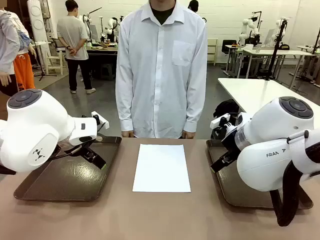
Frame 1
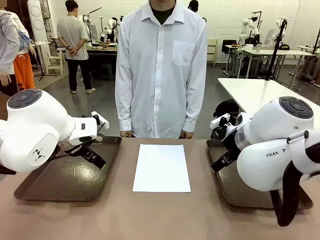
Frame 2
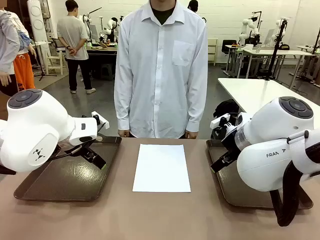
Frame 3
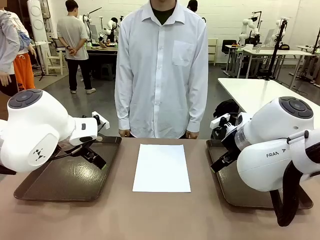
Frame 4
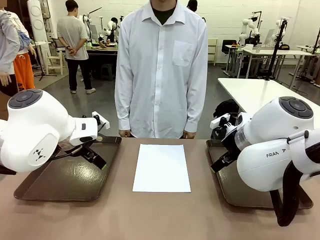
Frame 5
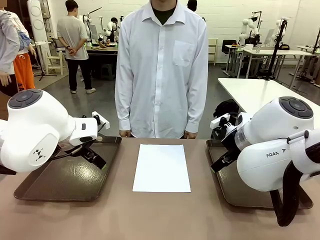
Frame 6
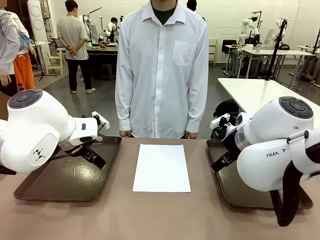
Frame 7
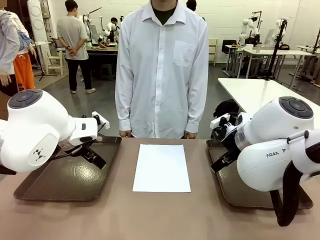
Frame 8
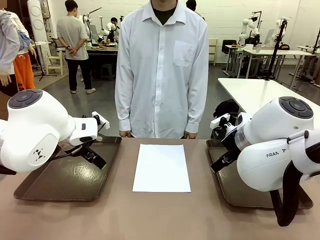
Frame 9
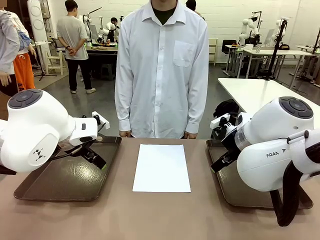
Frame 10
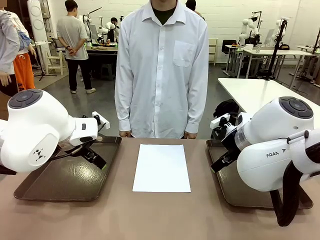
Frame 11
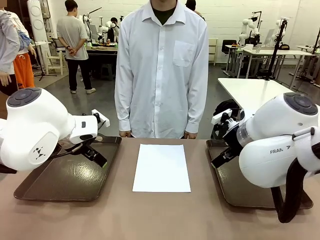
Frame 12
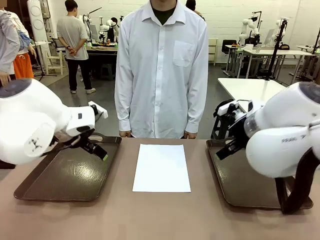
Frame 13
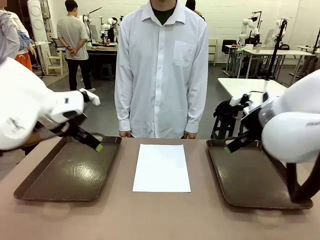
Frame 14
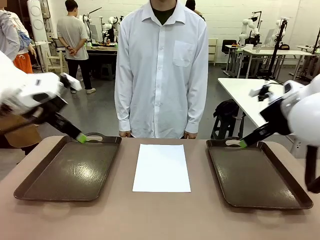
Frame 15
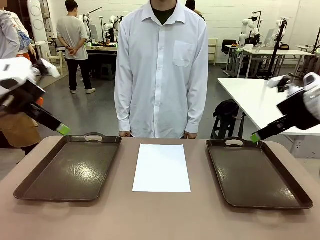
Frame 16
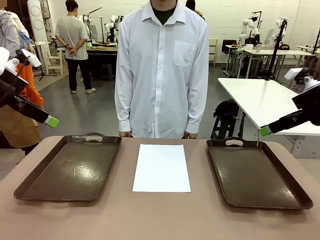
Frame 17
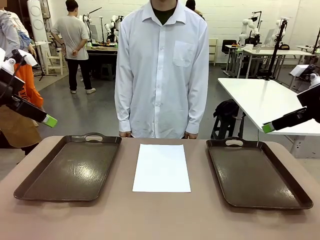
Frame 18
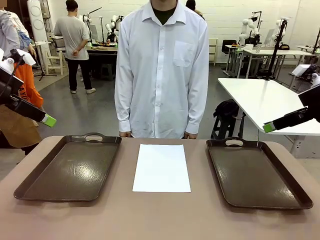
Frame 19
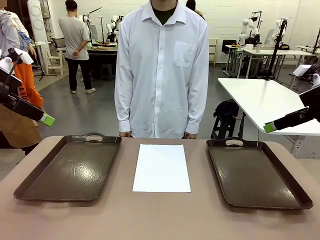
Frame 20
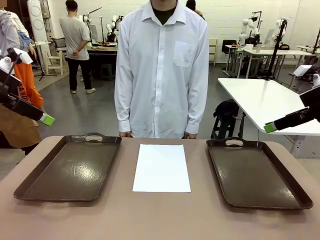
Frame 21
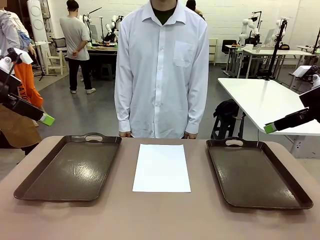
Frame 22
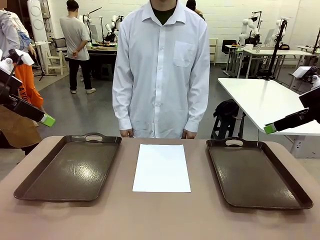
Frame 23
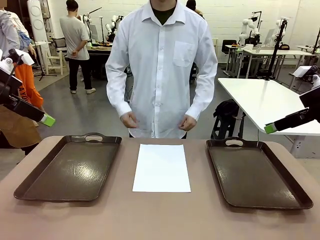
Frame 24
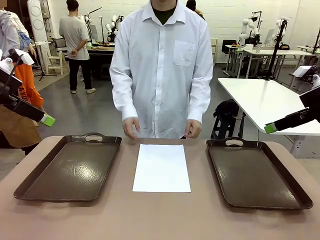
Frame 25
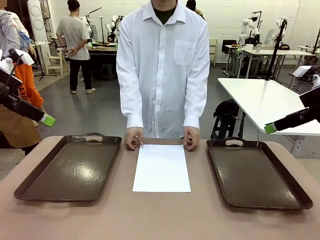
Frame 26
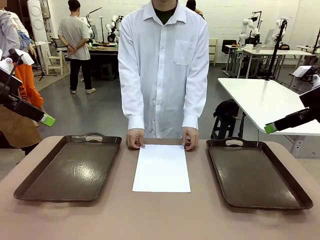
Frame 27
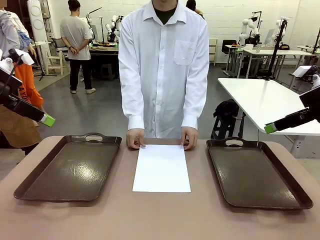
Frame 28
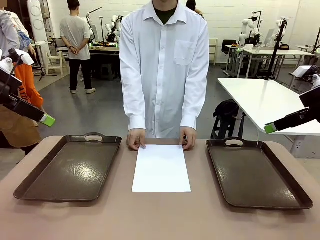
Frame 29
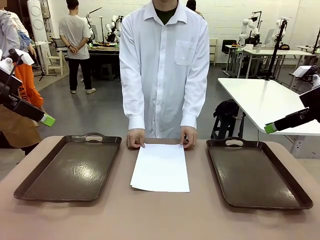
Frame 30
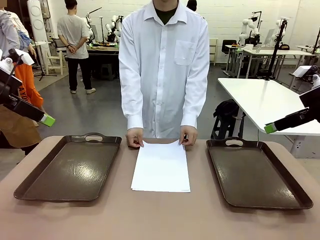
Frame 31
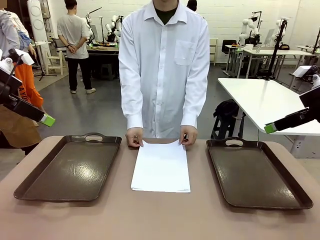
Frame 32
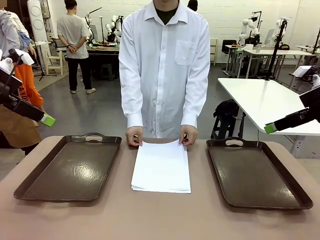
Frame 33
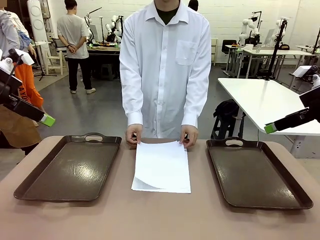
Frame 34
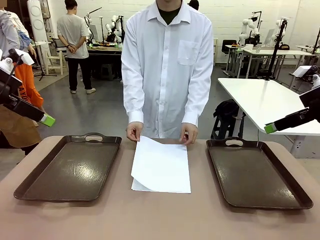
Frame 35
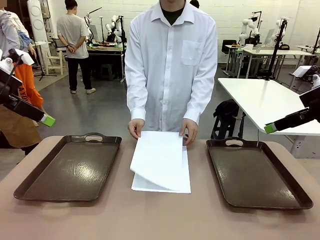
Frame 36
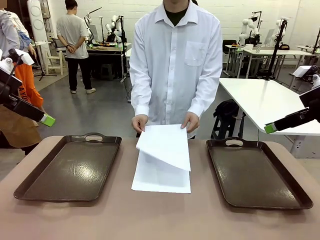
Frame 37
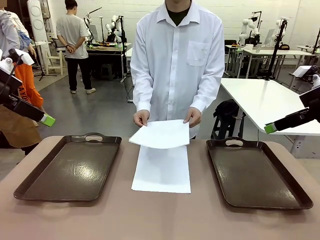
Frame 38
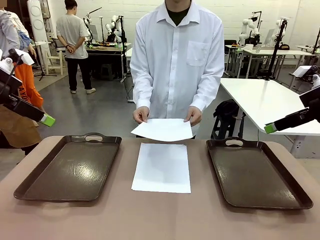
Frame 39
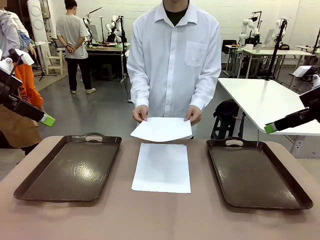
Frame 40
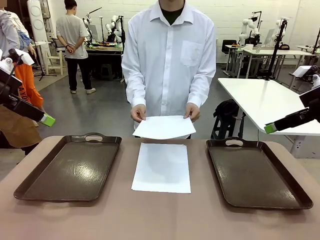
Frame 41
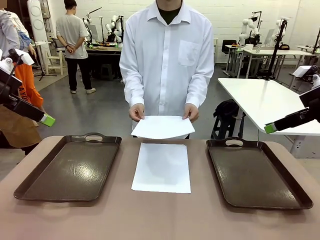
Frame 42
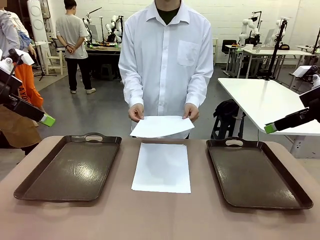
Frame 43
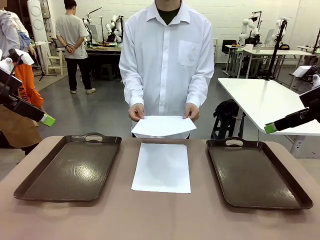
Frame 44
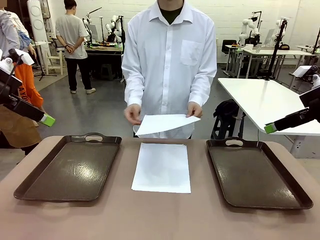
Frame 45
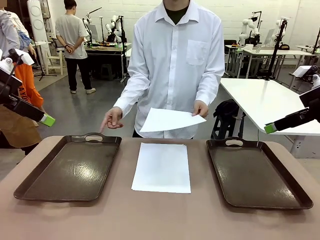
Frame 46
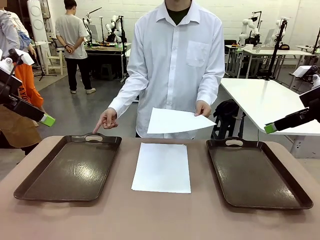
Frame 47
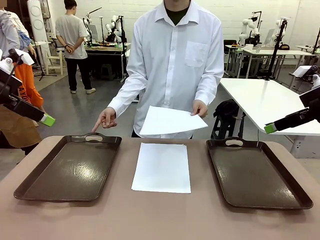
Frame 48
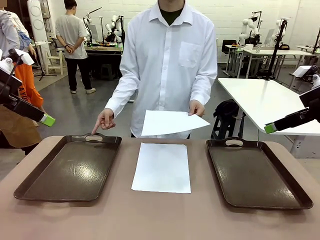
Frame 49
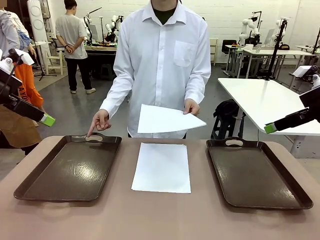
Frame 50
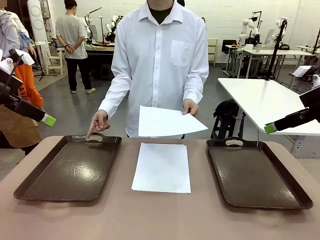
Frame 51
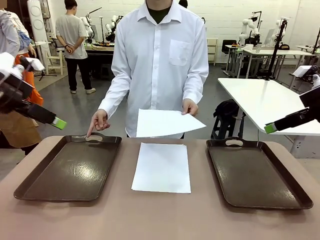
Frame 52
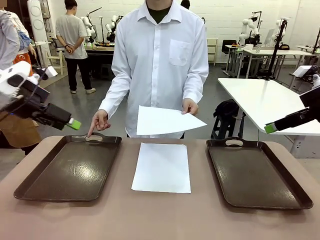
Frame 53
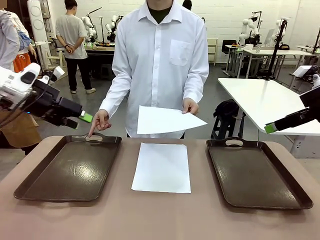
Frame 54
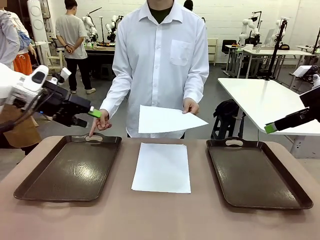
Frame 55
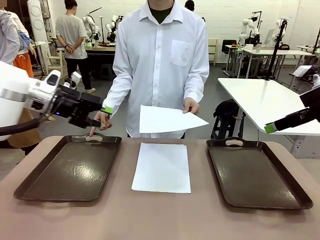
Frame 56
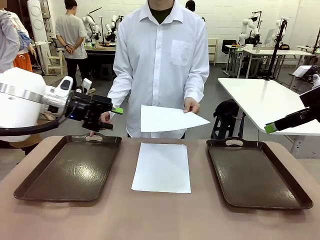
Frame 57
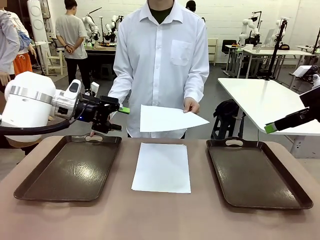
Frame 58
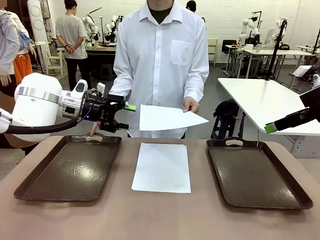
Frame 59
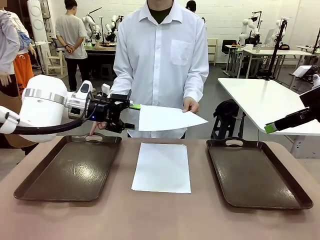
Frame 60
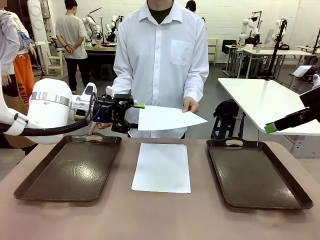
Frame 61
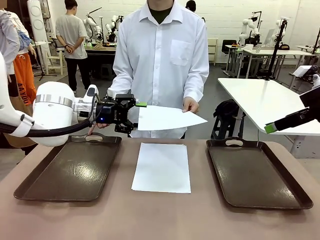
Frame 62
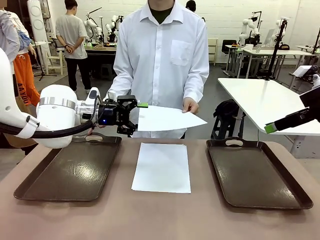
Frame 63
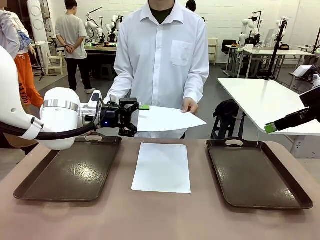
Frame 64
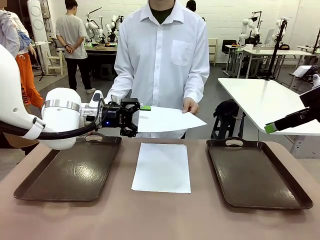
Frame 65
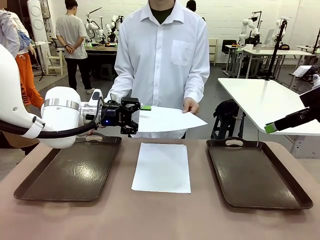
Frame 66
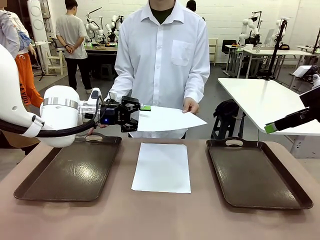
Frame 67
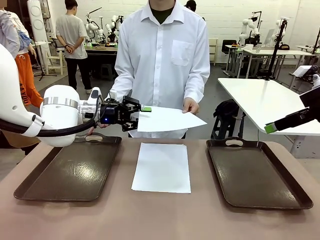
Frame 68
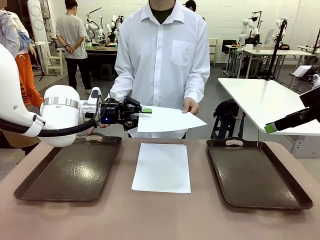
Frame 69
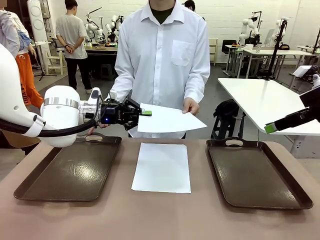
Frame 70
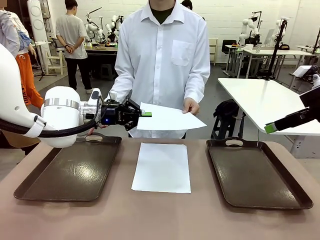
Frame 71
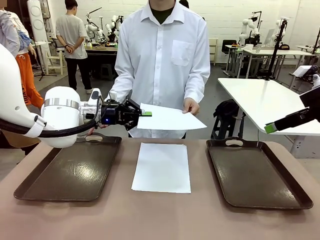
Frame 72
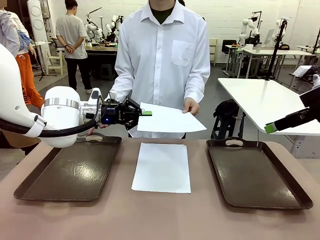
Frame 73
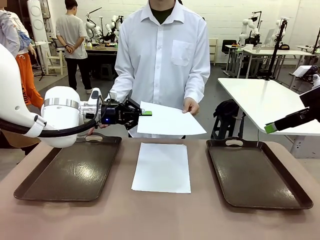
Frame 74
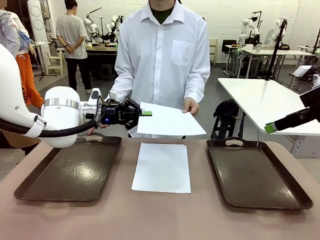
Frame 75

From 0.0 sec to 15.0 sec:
Task: Sort the A4 documents.
Robot: Receive the A4 Paper.
Person: Pick up a sheet of paper from the center of the table and hand it to the robot. Point the randomly selected tray with the other hand.

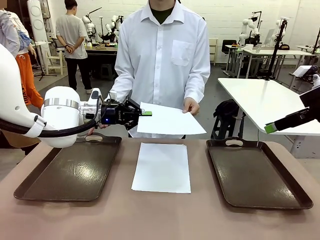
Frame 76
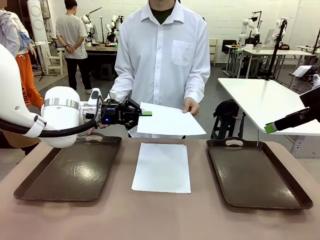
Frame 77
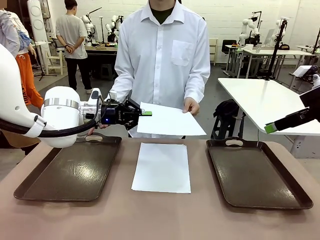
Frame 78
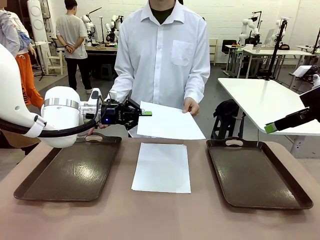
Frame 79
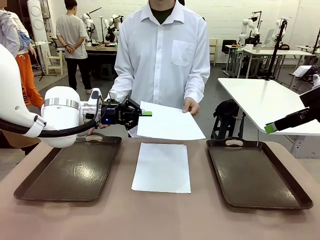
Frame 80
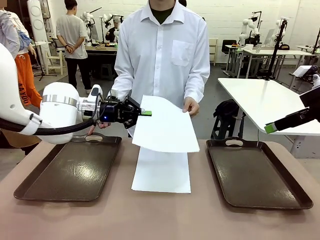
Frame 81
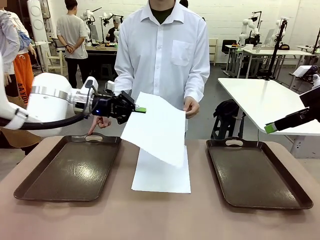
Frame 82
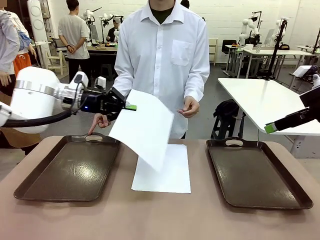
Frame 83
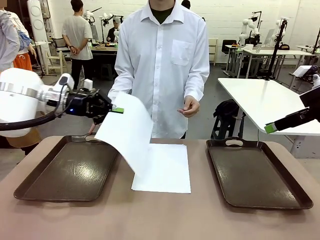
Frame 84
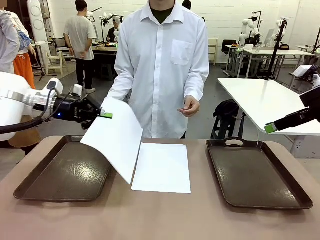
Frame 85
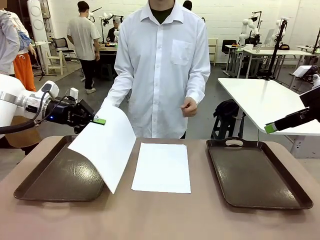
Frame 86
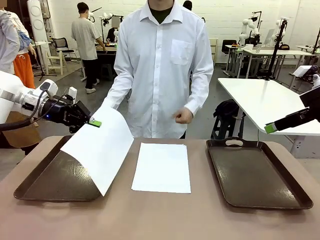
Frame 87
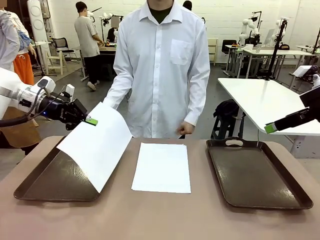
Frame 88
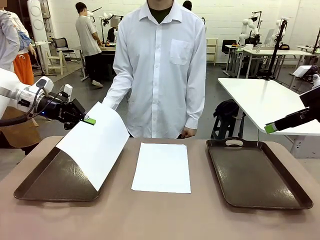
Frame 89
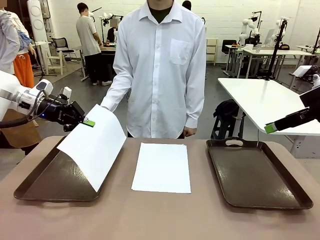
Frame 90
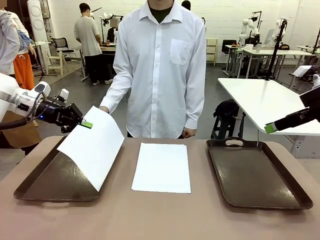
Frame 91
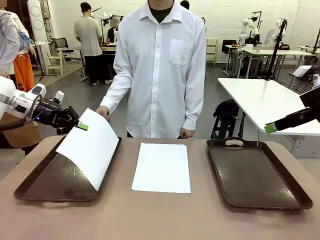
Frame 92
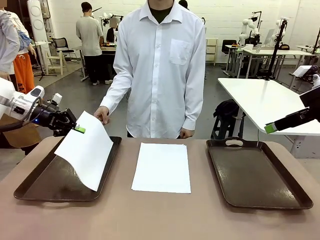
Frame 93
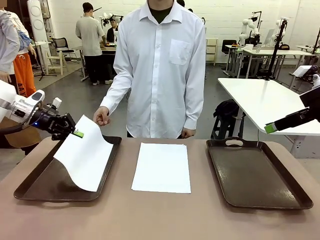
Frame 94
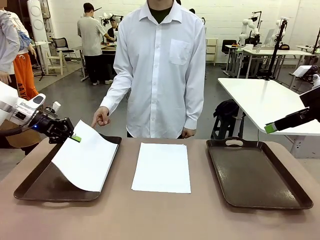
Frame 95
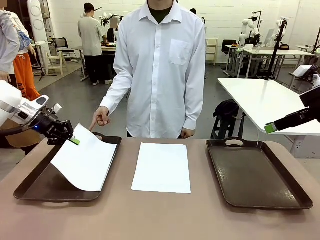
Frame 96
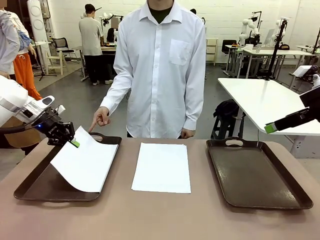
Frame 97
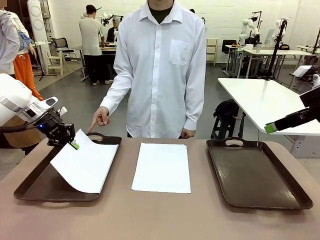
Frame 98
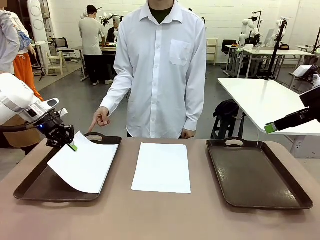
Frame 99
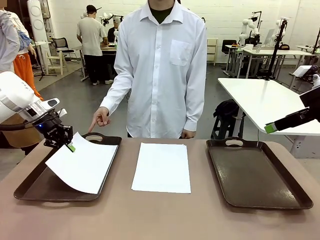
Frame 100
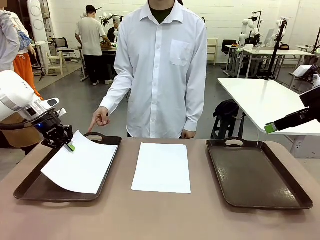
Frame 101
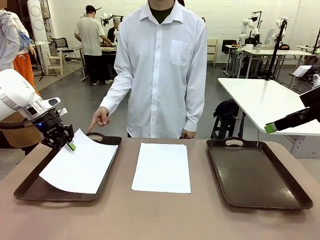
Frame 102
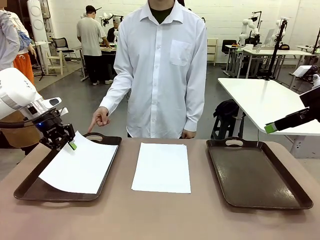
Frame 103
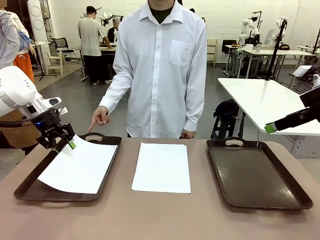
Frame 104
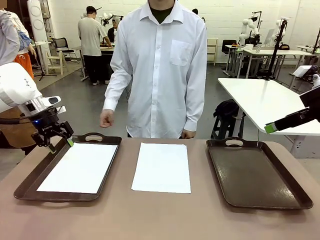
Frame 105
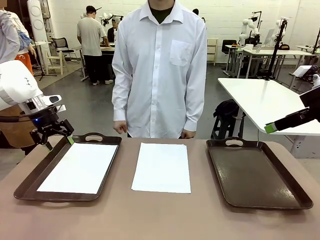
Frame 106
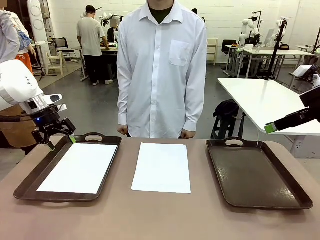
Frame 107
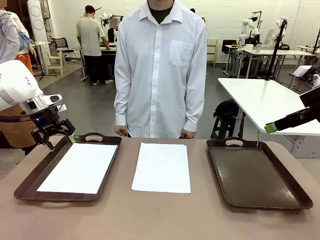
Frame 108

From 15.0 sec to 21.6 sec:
Robot: Place the A4 Paper in the designated Handle tray.
